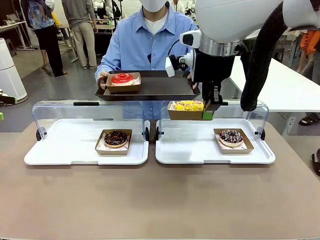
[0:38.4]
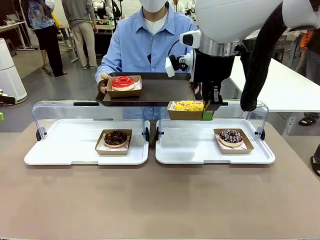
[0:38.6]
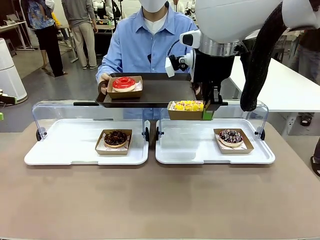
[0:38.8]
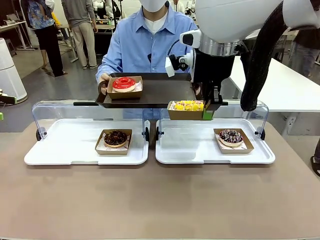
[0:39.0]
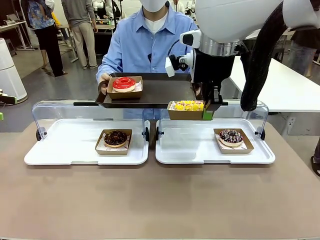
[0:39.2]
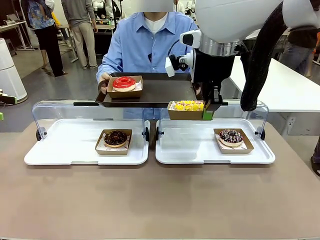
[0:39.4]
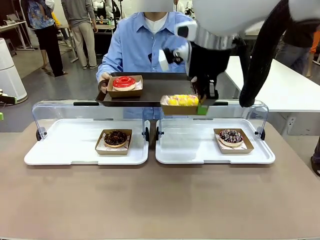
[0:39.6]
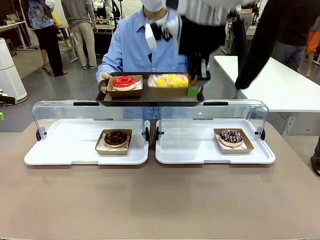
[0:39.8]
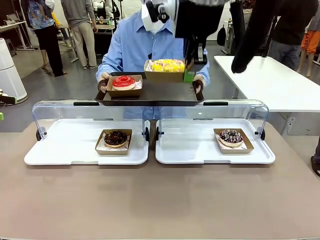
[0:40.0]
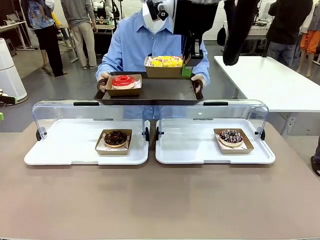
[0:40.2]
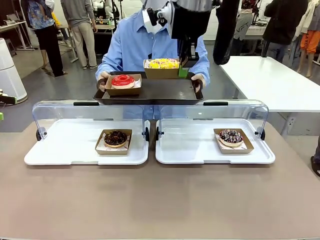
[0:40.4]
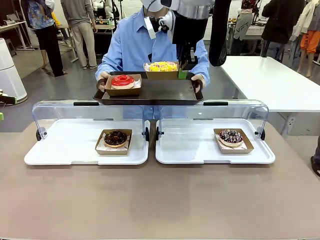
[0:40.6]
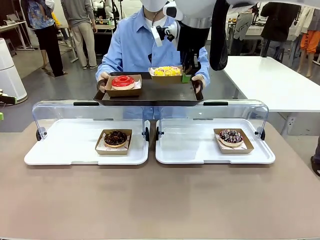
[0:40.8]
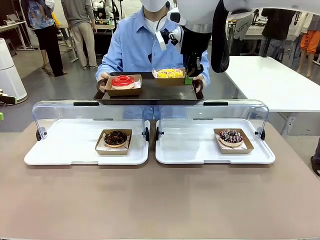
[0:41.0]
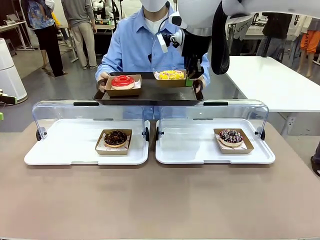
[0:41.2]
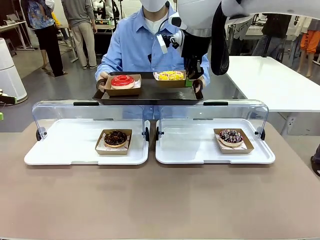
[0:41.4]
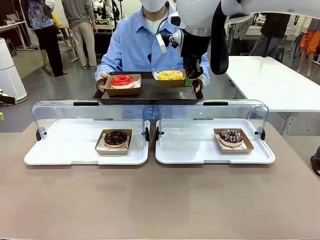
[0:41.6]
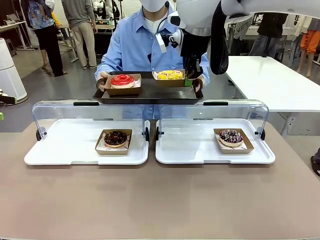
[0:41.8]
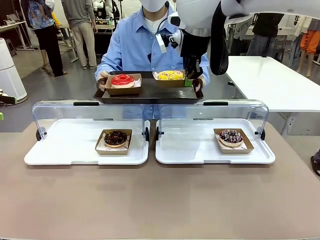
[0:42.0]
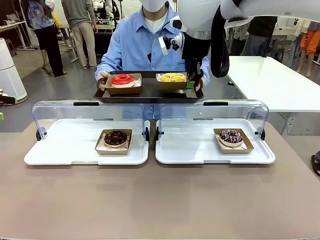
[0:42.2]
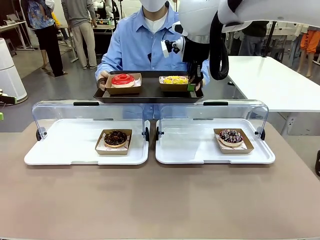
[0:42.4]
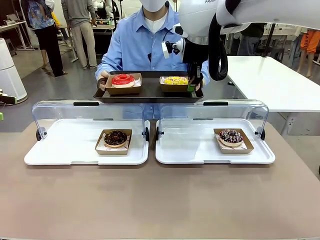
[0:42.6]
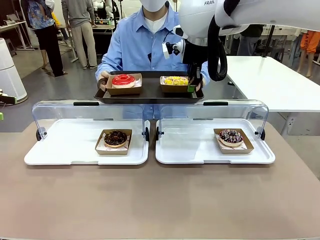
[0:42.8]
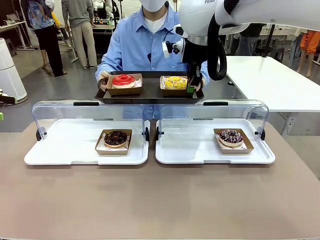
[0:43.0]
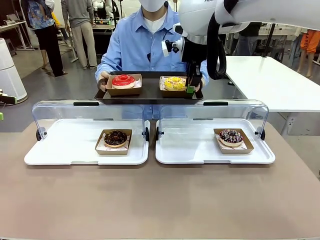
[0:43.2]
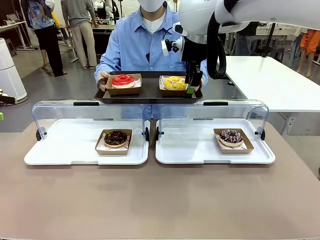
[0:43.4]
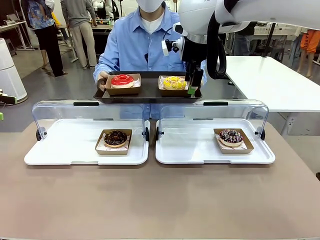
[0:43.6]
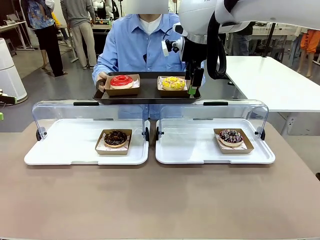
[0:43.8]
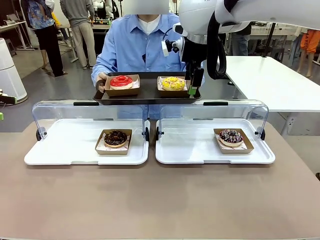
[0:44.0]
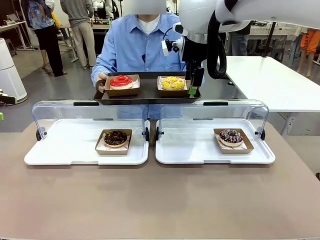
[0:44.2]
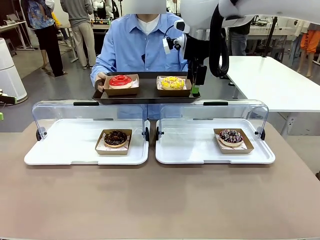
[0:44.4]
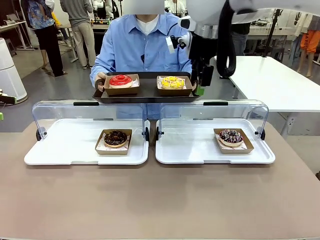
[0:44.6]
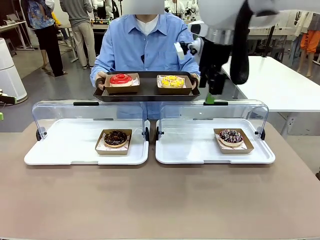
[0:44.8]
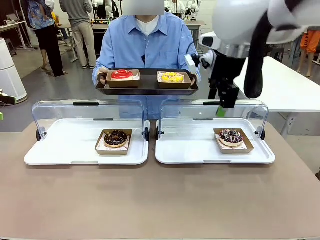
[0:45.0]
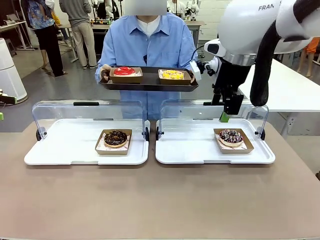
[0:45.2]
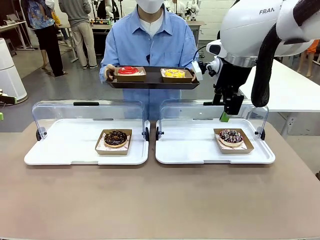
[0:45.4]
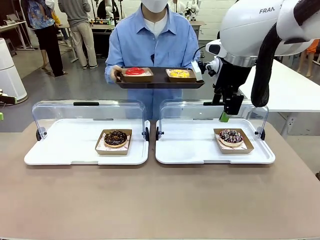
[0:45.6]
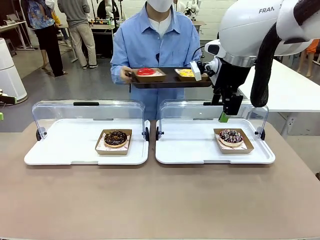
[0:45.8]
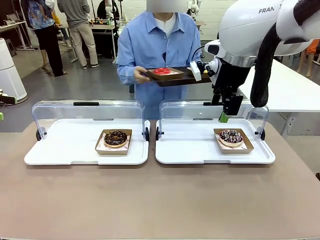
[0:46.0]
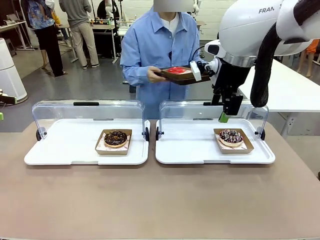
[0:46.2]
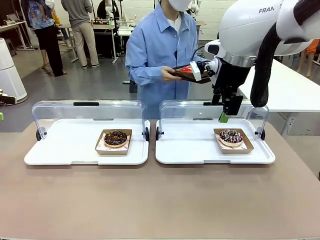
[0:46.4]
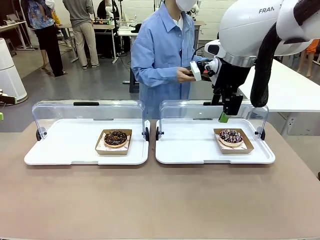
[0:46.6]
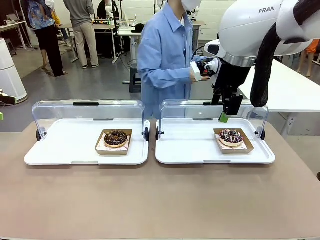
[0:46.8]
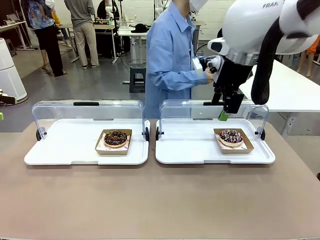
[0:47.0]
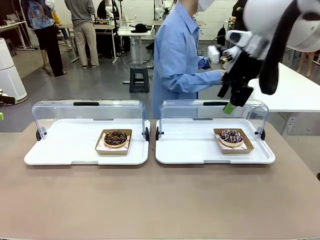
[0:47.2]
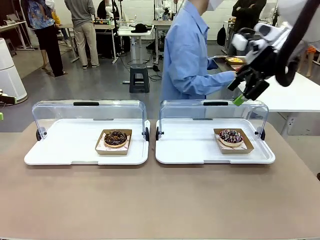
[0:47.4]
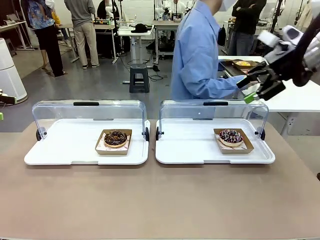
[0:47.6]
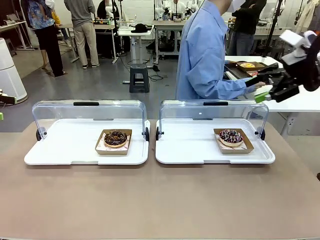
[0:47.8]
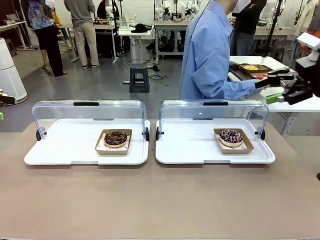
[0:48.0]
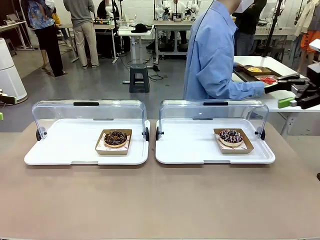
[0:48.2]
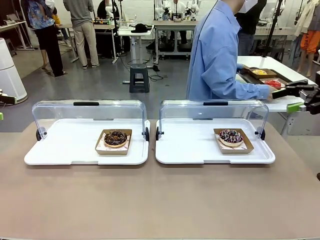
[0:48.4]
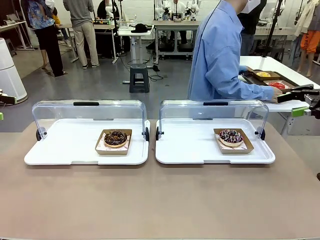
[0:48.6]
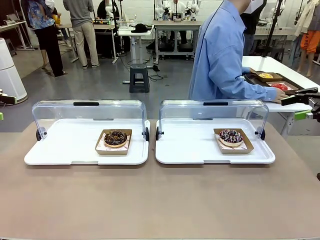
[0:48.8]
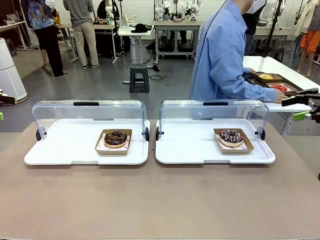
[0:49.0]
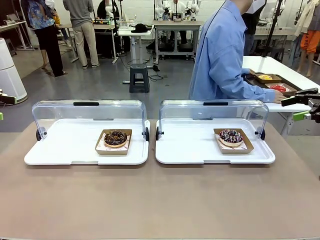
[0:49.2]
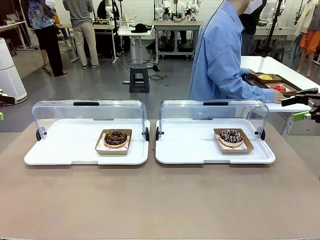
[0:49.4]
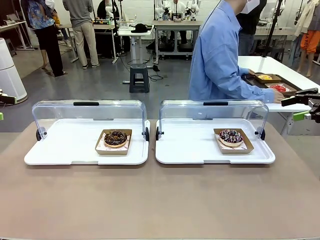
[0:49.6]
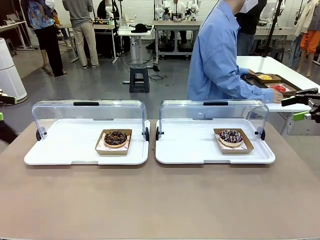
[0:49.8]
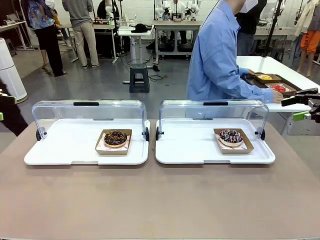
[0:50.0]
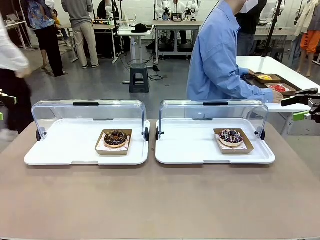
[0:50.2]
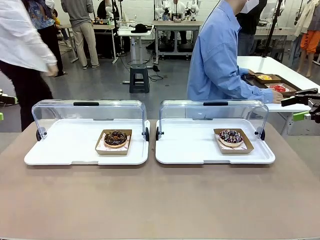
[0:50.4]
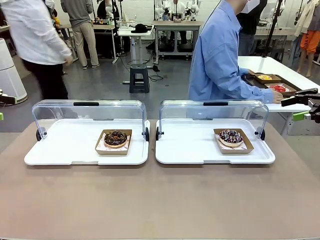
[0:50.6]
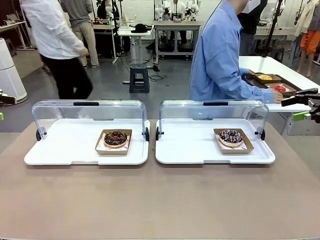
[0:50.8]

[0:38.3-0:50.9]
Task: Provide the desired donut to the person.
Robot: Place the picked Paper togo box onto the Handle tray extended by the person.
Person: Place the tray in the middle of the human table.

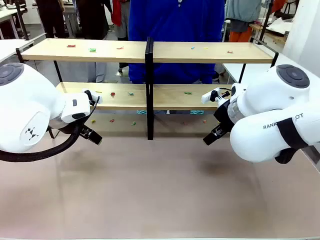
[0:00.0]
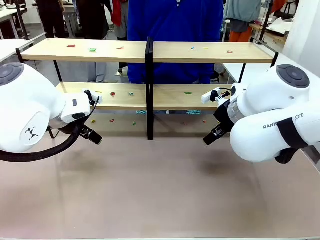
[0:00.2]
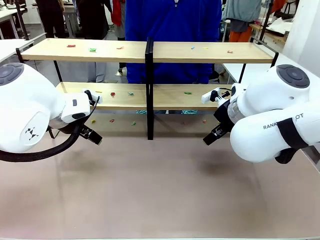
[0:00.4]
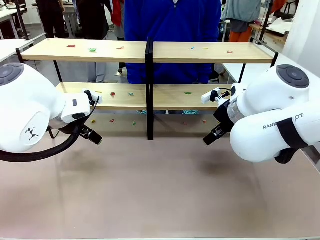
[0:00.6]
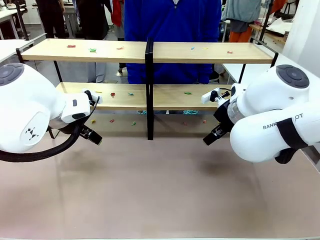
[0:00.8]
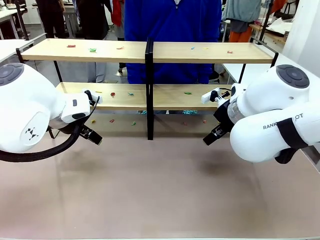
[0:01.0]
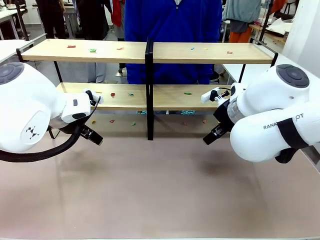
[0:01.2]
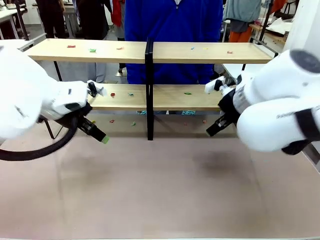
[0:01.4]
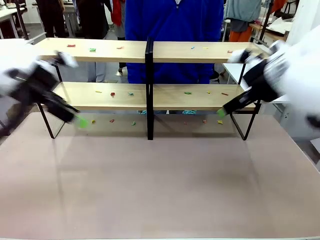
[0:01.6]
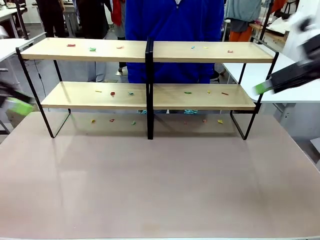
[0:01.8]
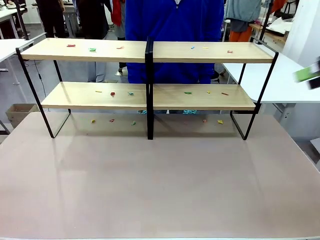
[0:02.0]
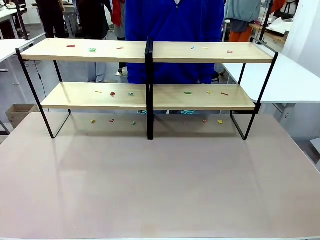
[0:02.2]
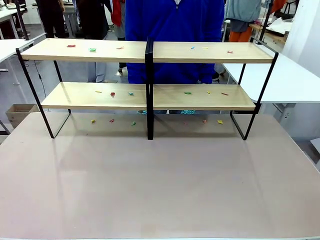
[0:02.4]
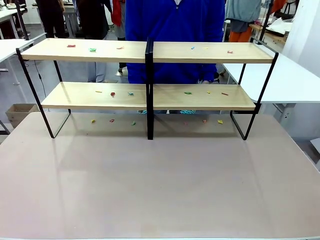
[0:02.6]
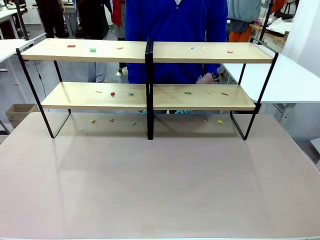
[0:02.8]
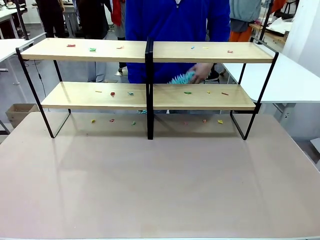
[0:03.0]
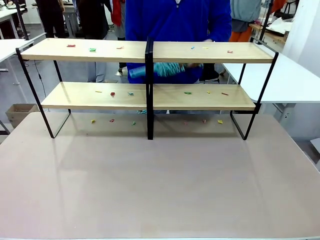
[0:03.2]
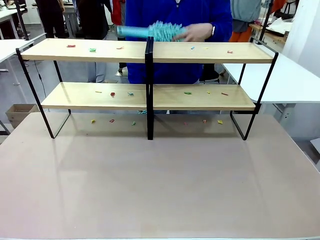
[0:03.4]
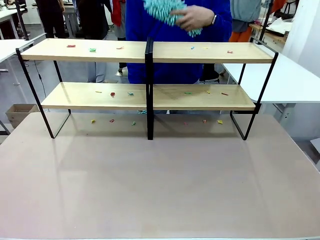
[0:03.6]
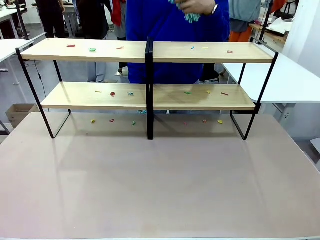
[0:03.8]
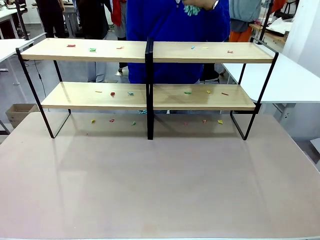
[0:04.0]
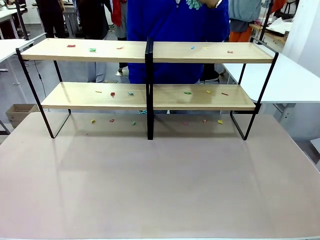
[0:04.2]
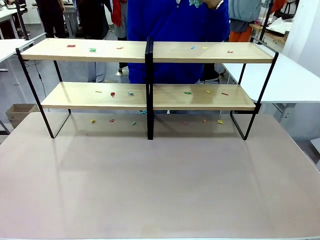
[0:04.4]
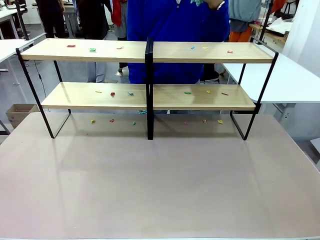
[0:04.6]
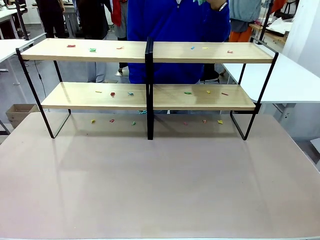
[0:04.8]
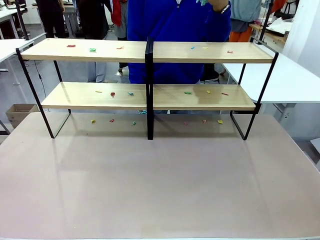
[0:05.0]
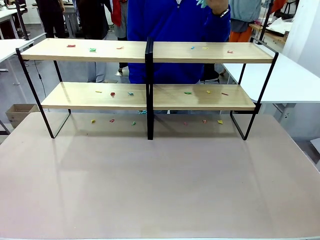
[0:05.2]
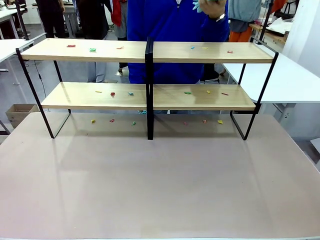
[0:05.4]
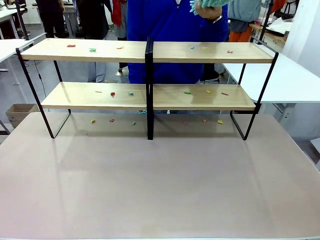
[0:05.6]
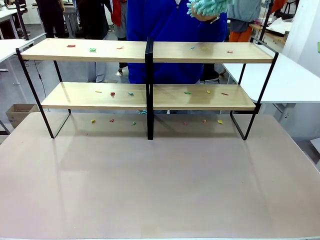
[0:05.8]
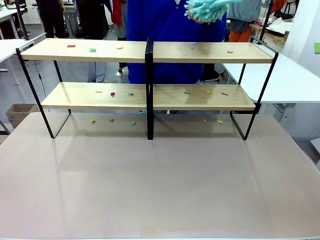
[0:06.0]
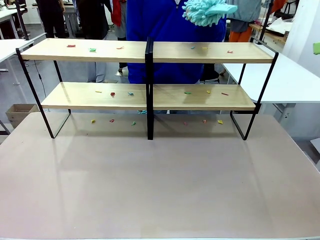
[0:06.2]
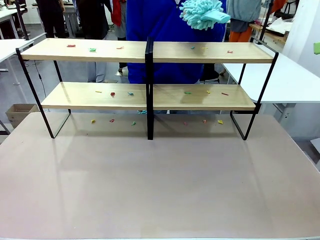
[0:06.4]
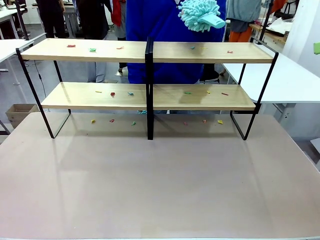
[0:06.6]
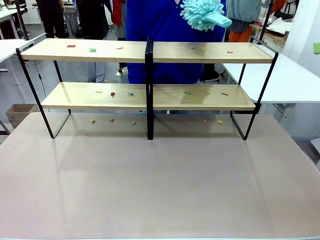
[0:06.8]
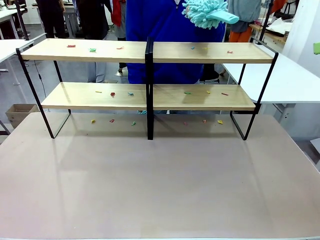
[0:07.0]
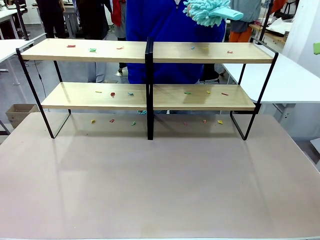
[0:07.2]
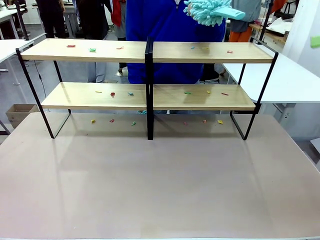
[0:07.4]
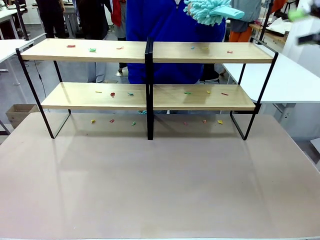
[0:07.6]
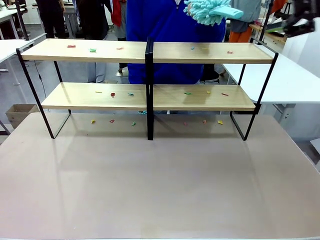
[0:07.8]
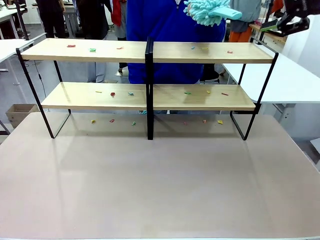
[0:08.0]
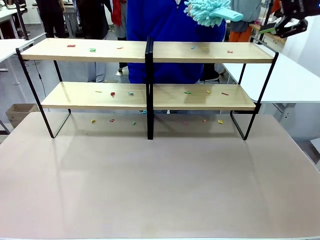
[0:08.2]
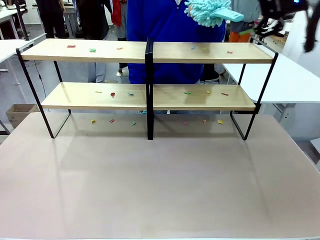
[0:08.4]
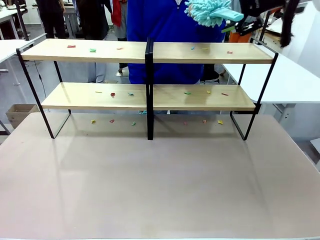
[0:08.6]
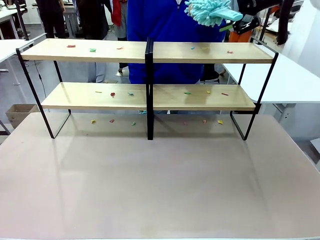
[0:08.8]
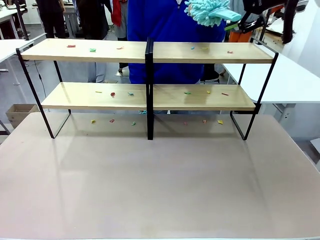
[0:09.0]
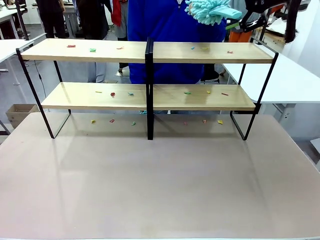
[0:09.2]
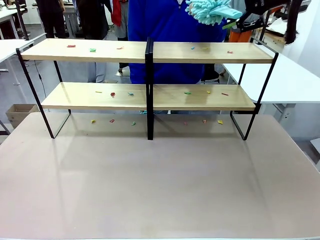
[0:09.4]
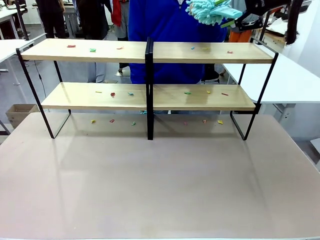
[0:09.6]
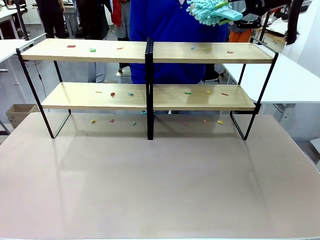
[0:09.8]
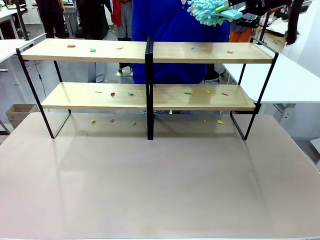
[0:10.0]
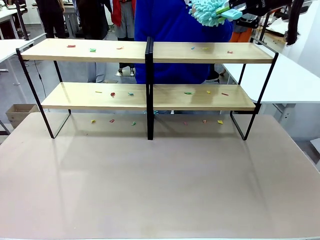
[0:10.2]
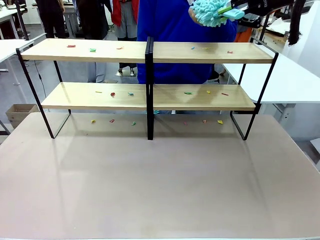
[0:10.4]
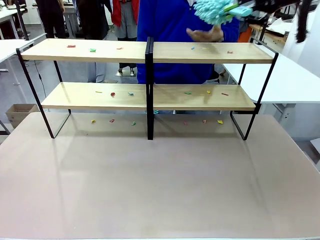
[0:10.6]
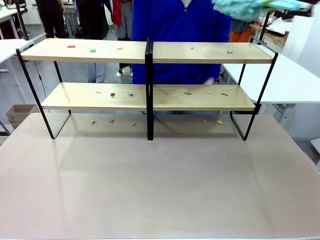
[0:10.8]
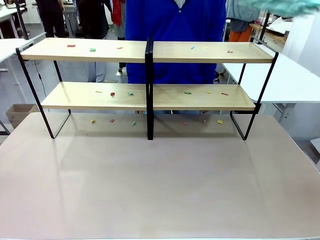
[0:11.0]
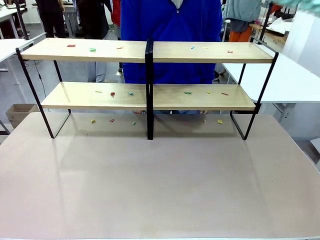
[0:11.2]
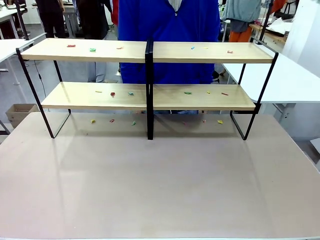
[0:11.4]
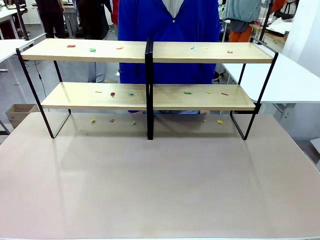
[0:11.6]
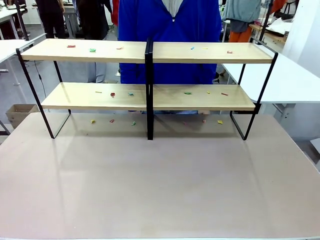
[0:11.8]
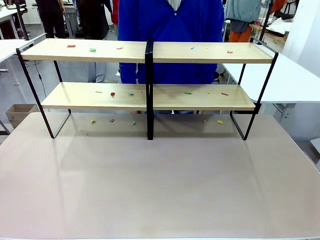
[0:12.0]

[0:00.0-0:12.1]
Task: Clean the shelves.
Robot: Pick up the Duster when the human hands it over.
Person: Hand the Duster to the robot with your right (or left) hand.
